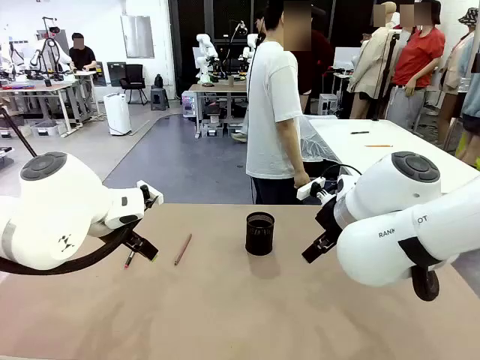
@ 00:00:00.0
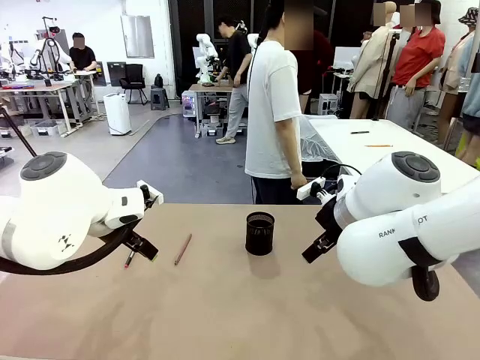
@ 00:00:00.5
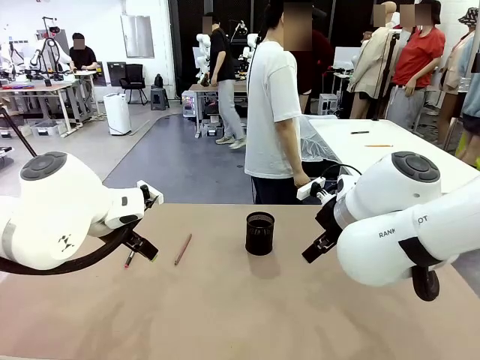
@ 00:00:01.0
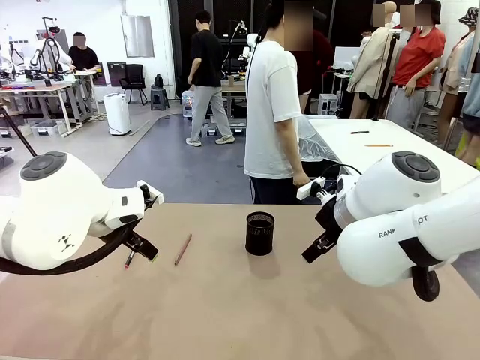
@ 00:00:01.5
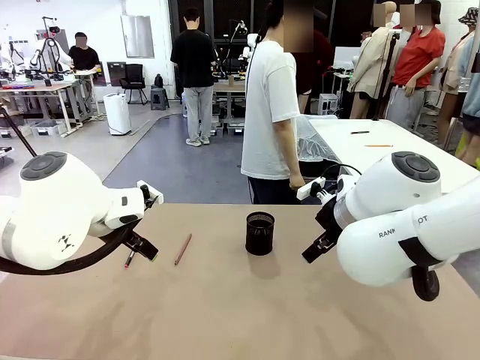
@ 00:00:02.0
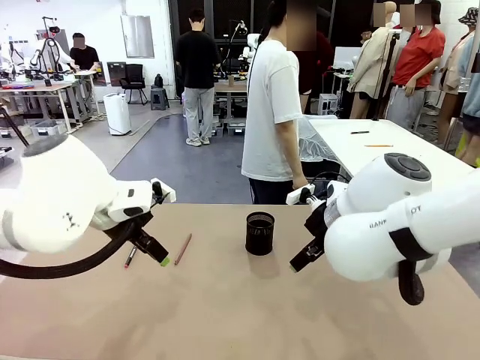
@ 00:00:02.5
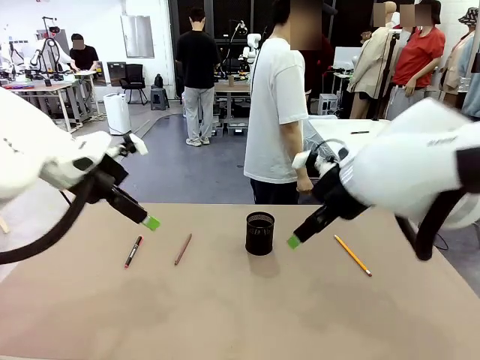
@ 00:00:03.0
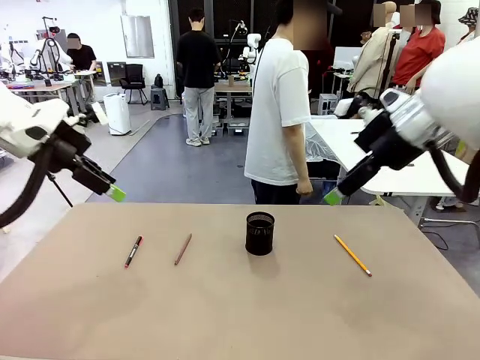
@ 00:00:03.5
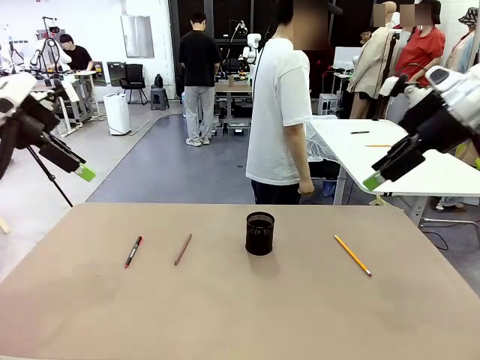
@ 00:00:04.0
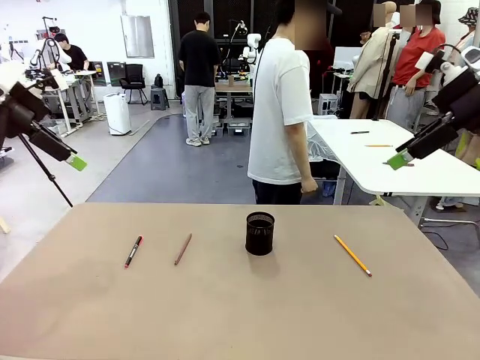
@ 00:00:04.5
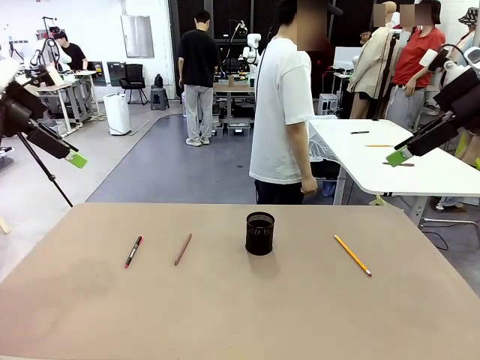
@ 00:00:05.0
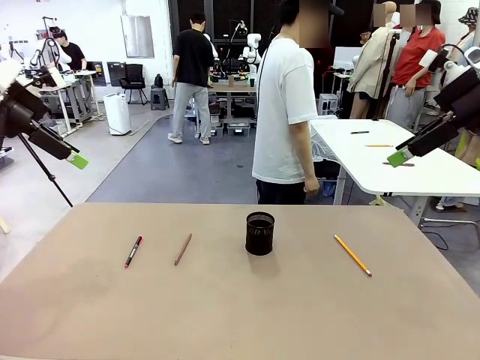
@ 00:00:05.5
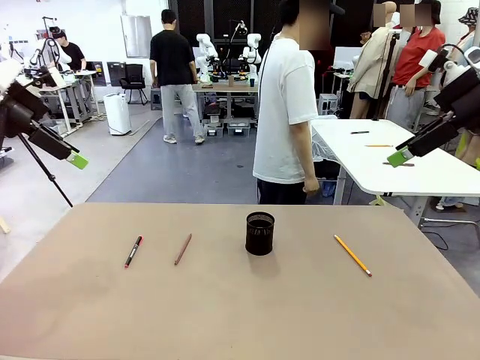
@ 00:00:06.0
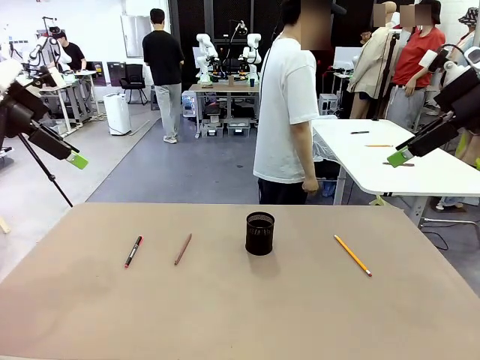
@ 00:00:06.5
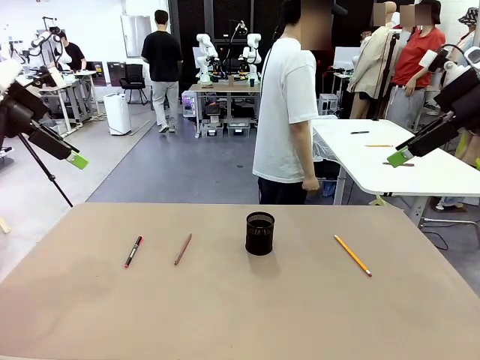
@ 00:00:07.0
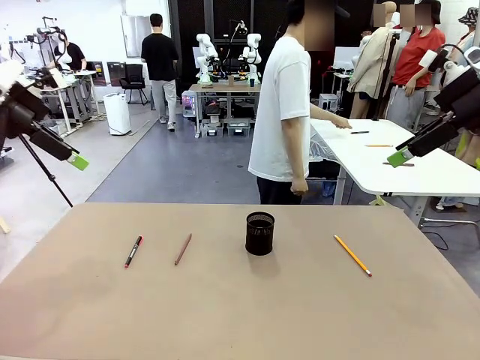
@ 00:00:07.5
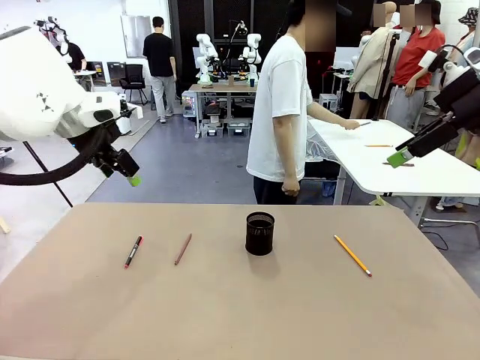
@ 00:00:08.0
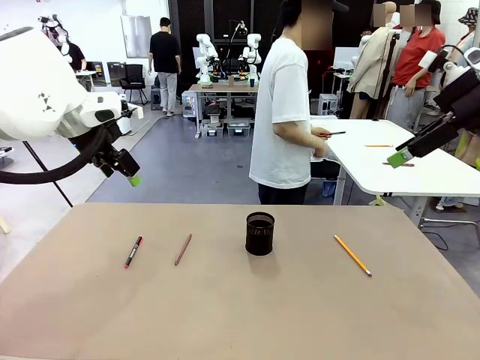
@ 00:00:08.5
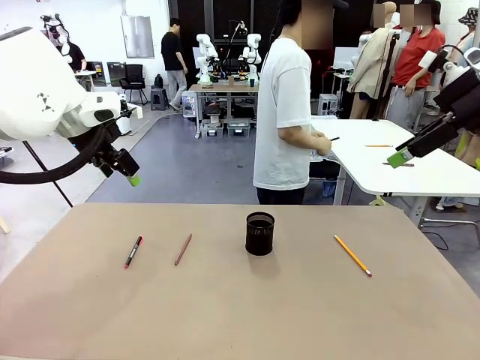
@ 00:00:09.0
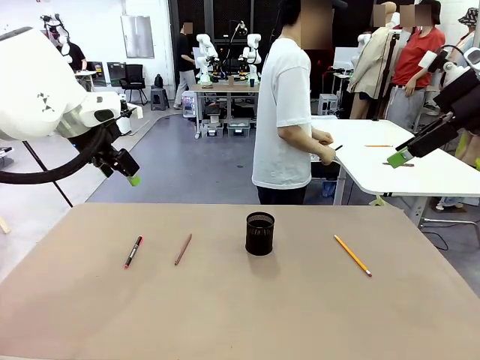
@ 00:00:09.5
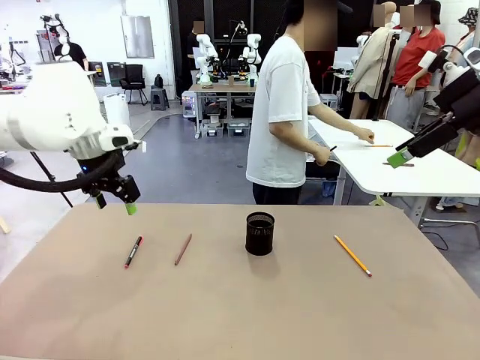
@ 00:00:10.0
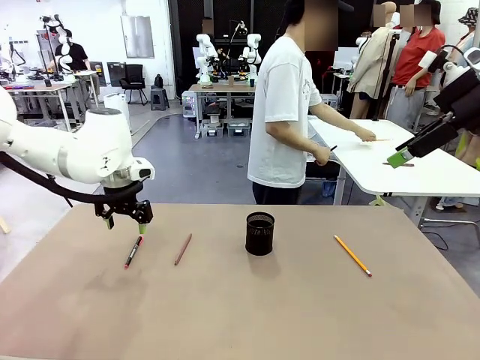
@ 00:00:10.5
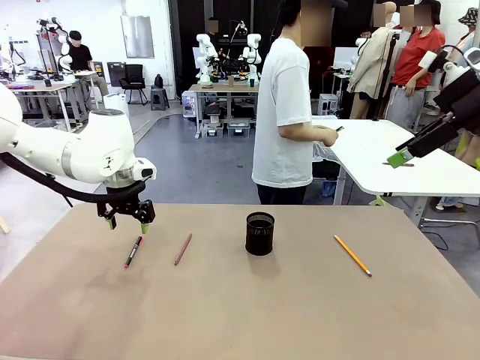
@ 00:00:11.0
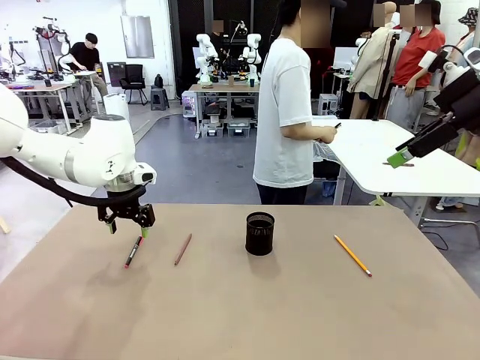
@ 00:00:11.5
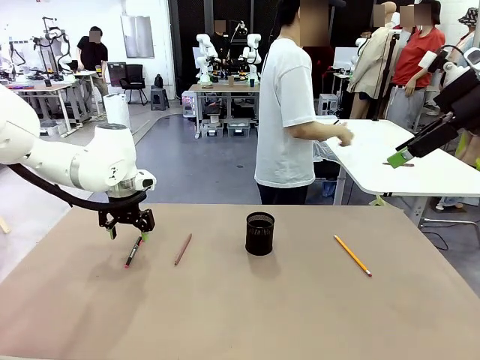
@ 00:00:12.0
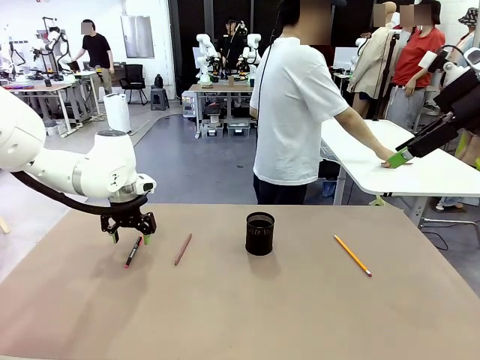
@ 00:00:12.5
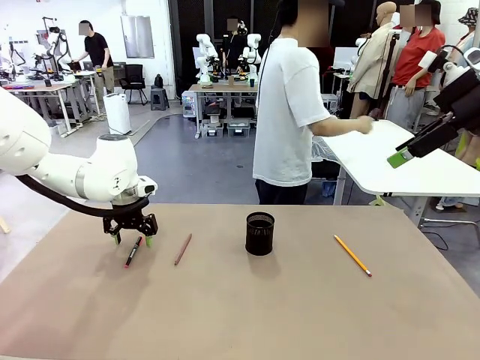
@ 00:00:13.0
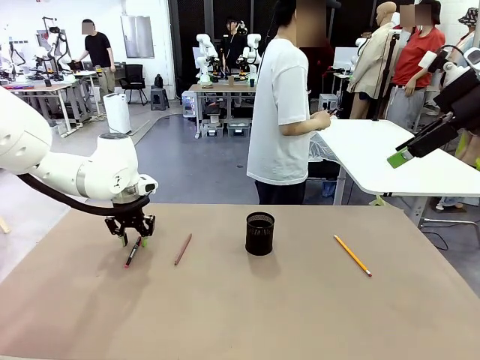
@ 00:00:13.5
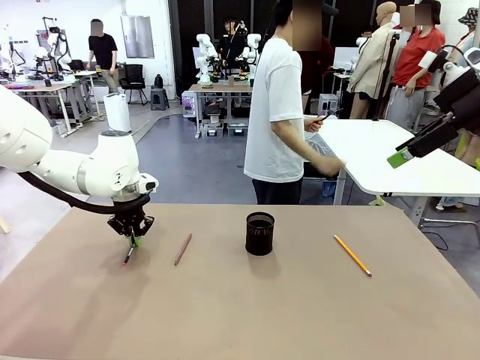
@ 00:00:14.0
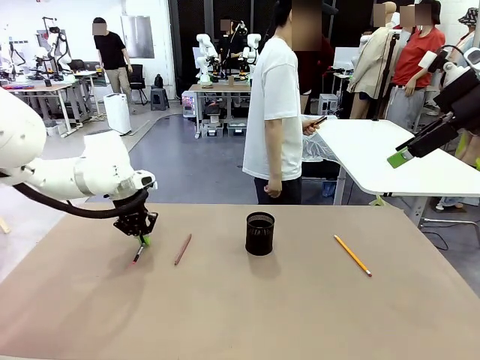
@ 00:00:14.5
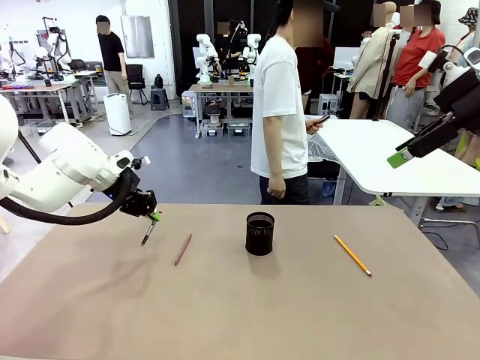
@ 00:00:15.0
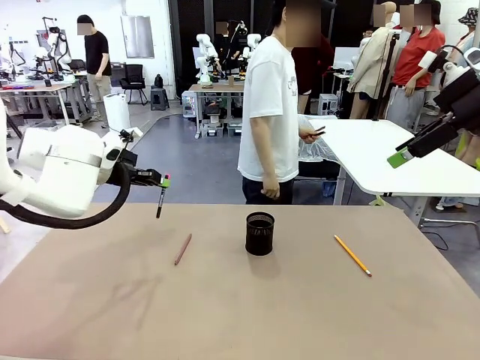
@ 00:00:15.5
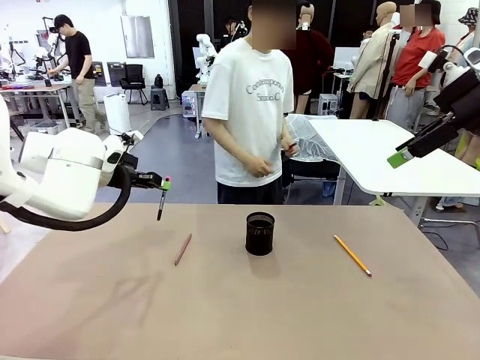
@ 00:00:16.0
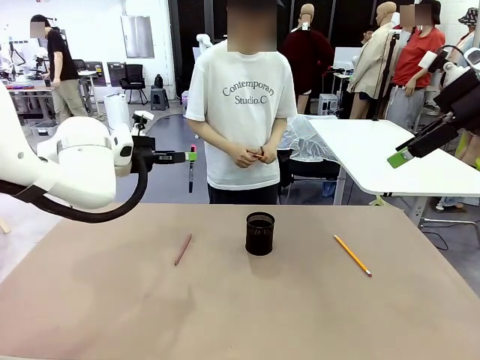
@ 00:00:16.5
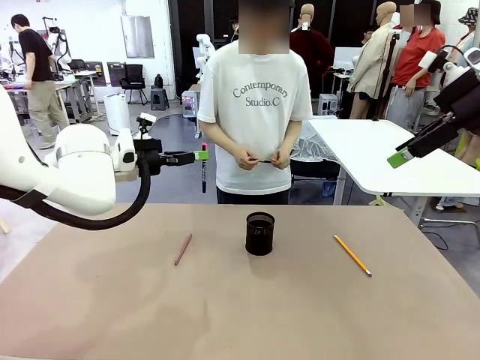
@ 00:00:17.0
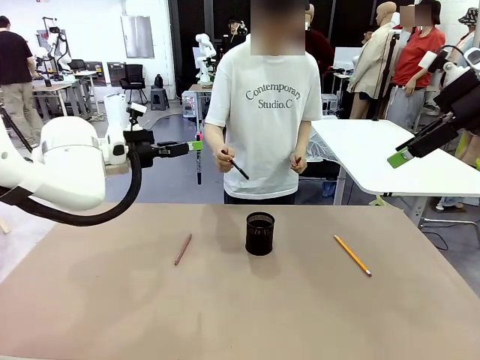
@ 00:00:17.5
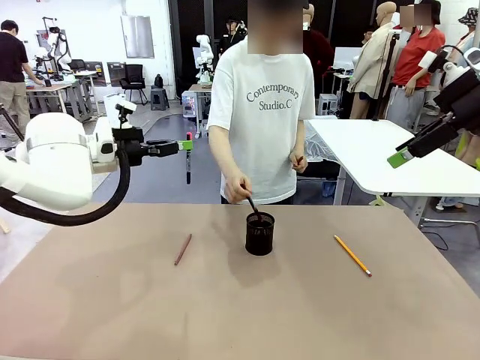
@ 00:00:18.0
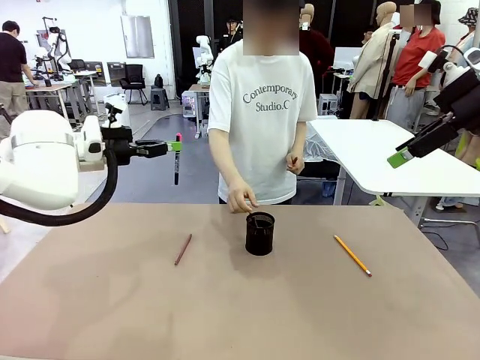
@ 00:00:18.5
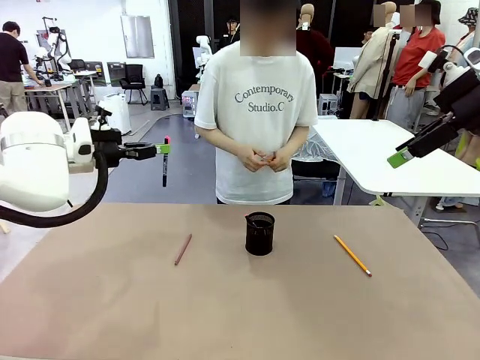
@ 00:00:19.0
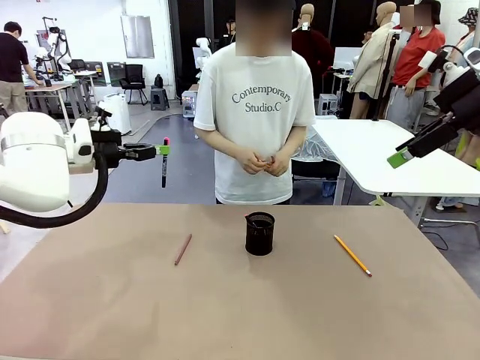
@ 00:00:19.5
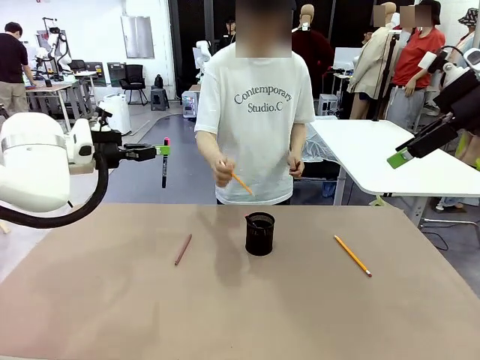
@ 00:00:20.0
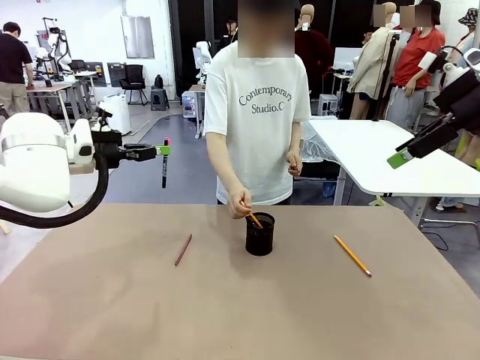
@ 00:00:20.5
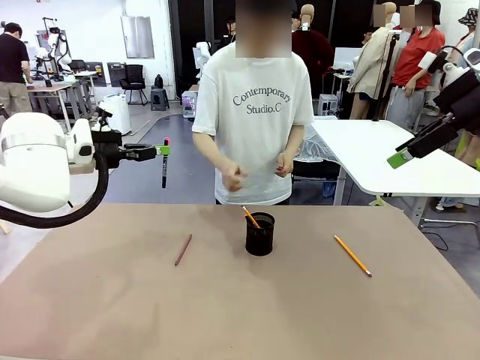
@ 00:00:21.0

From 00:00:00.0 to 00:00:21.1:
Task: Place the pens into the pen holder.
Robot: Pick up a writing instrument from the table and place it into the Pen holder.
Person: Pick up all writing instruments from the Human table.
